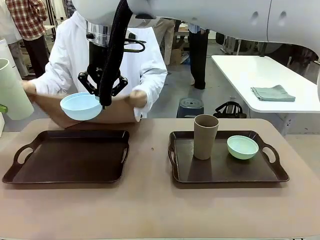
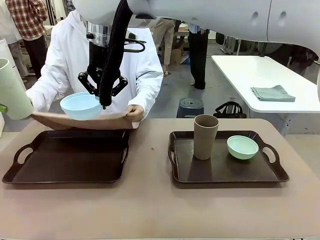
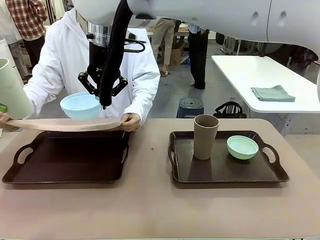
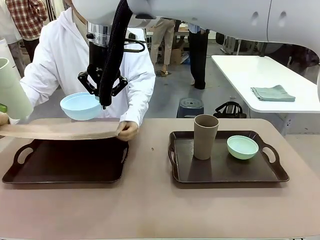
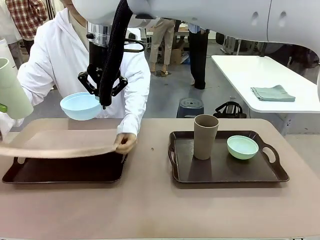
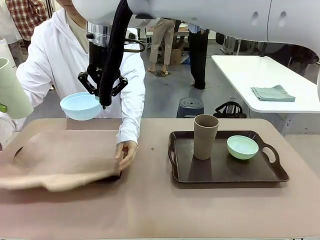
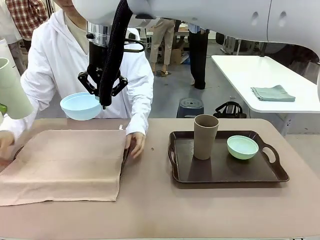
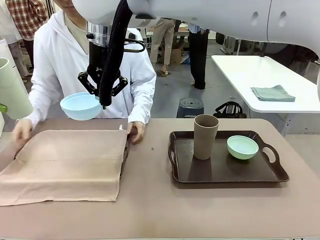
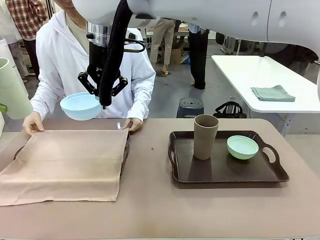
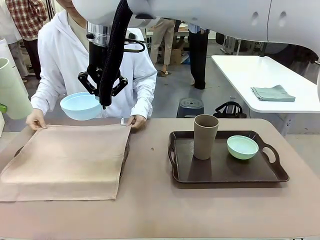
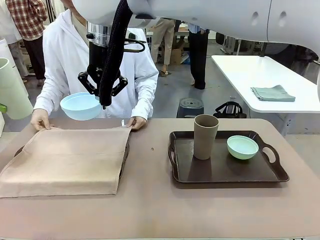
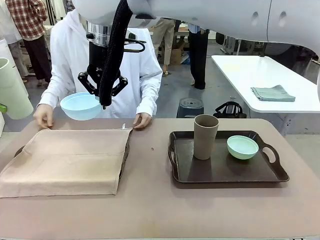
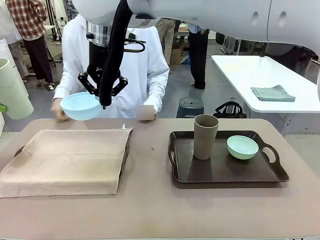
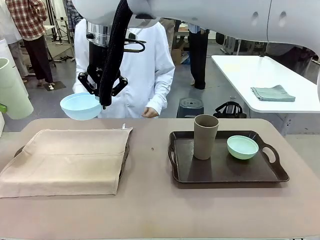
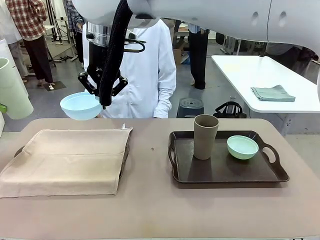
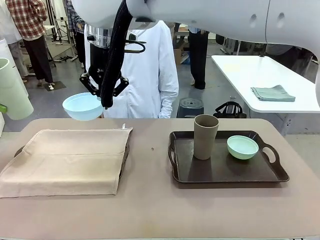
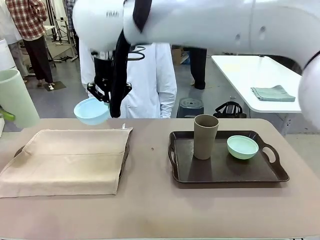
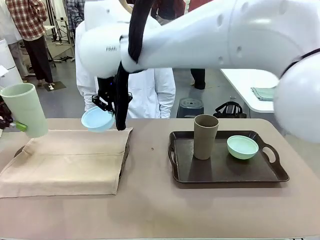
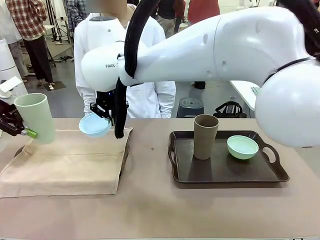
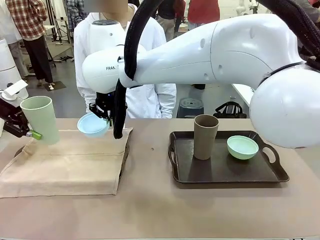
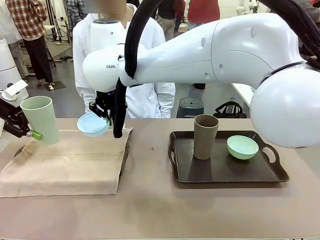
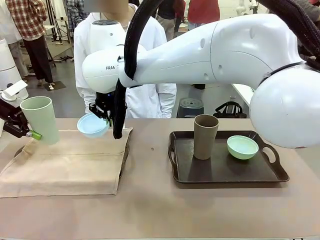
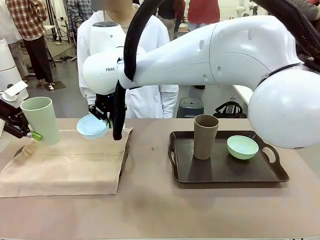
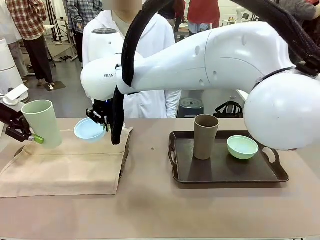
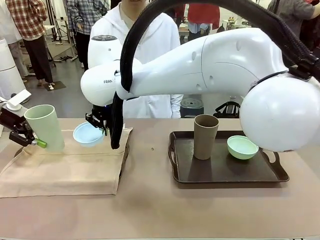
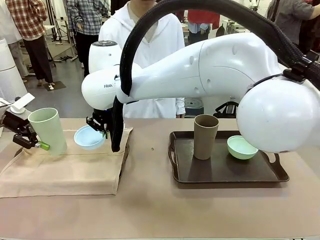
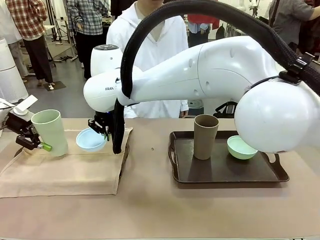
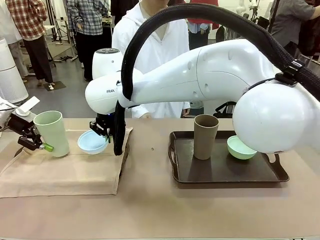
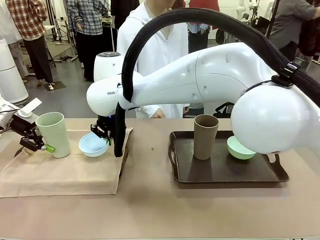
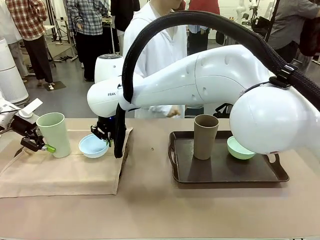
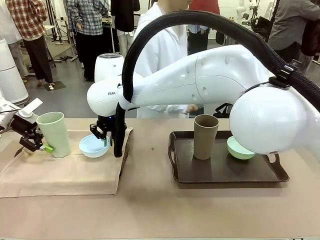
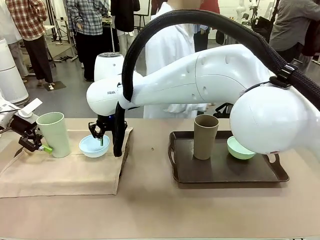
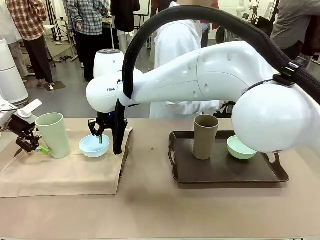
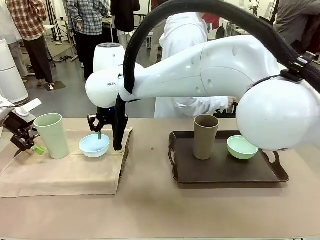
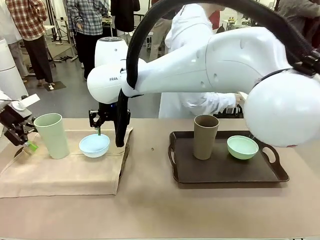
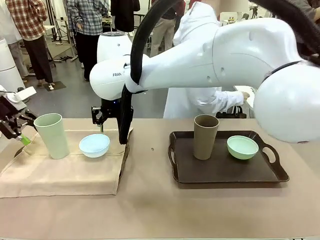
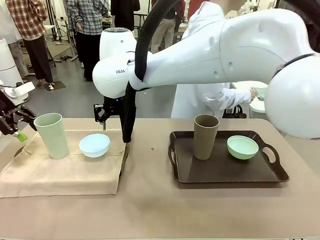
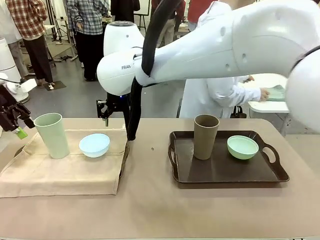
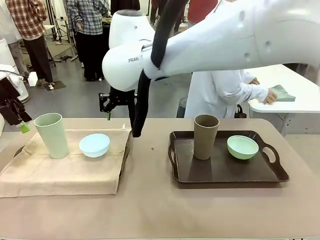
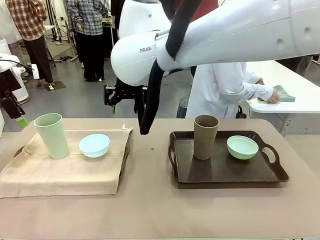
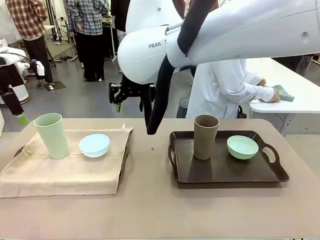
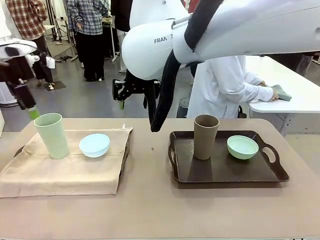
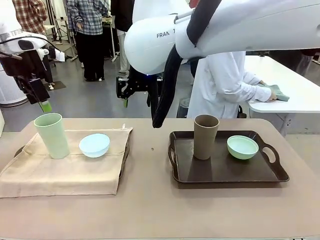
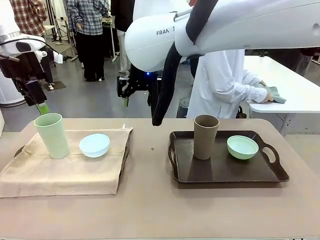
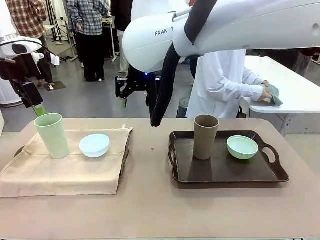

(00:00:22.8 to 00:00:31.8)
Robot: Place the Picnic Bowl and Reusable plastic cup back onto the Handle tray in front of the human's position.
Person: The human returns to the human table to pick up another napkin and walks to the robot table to stand in front of the tray without a napkin.

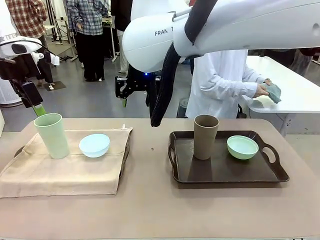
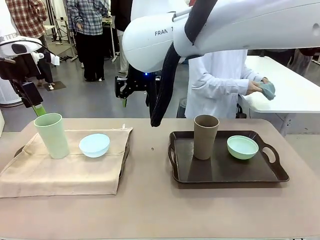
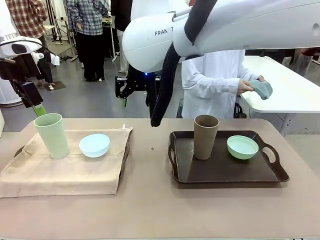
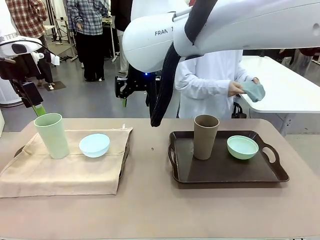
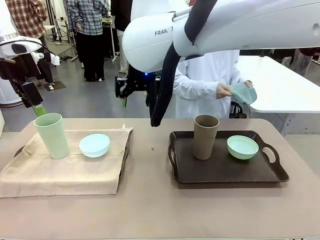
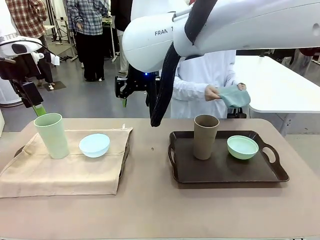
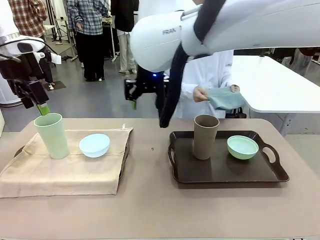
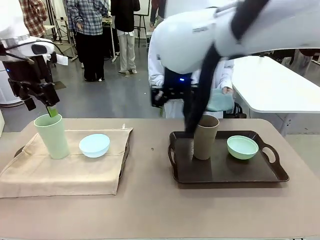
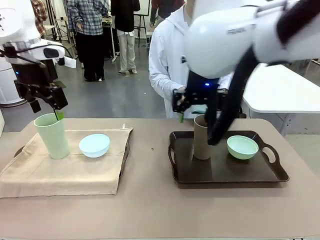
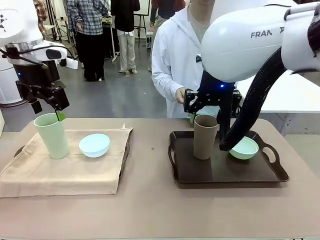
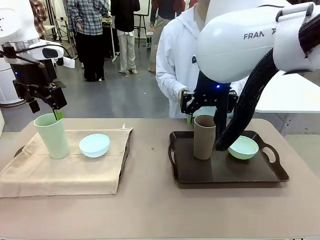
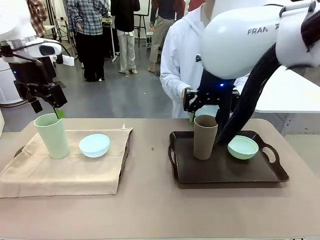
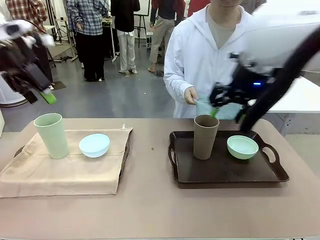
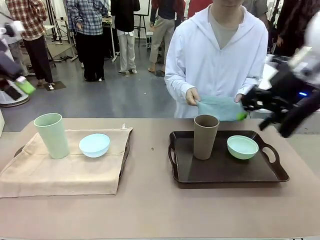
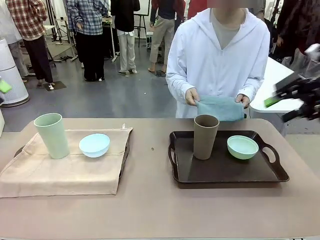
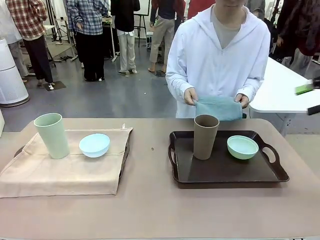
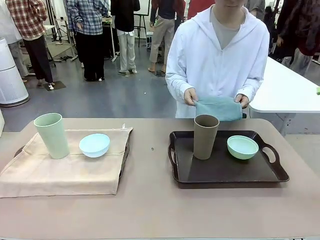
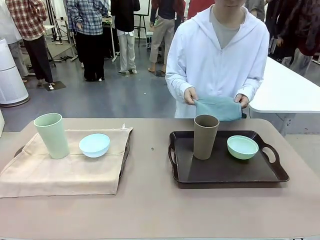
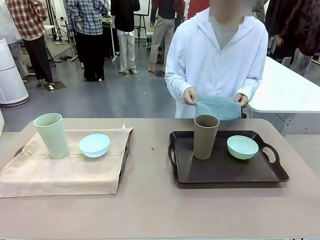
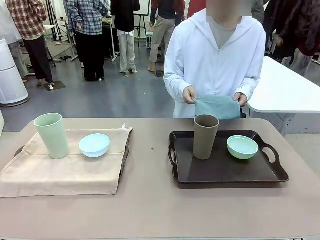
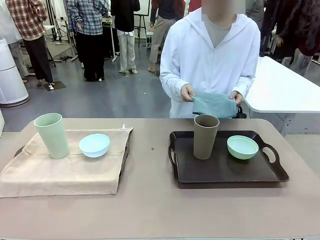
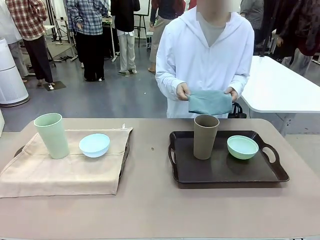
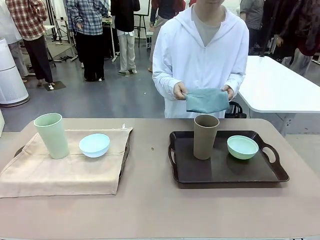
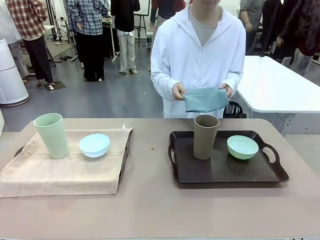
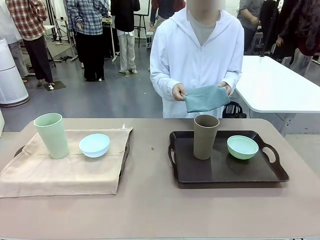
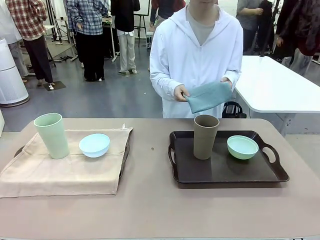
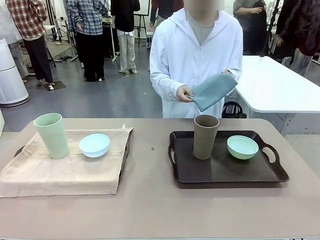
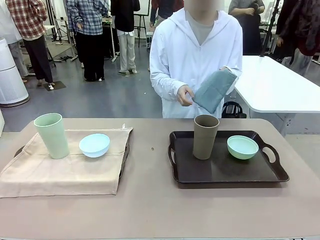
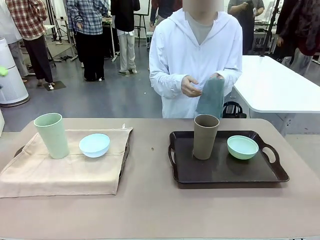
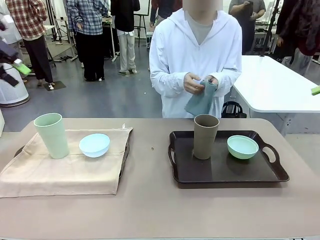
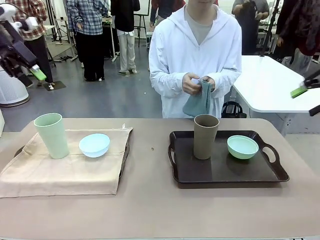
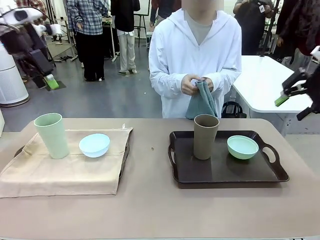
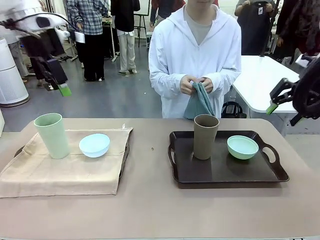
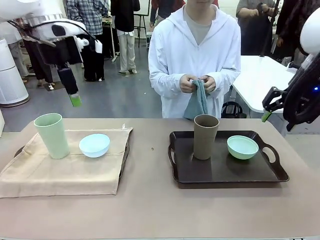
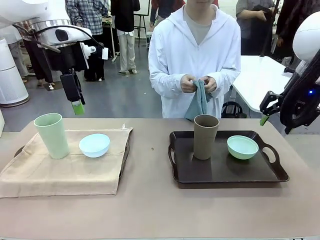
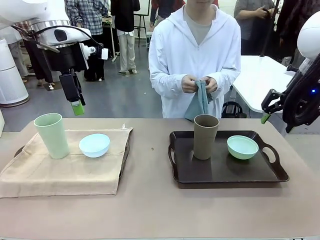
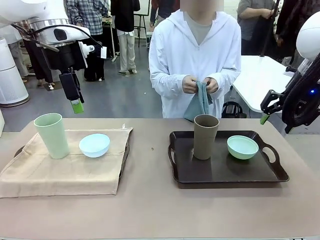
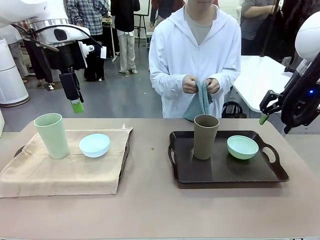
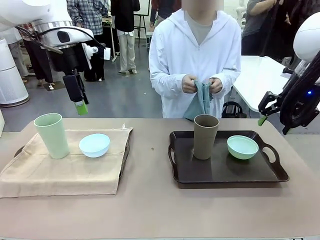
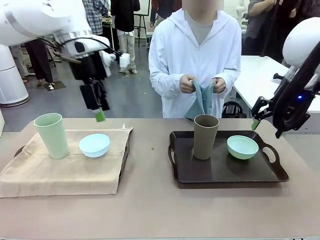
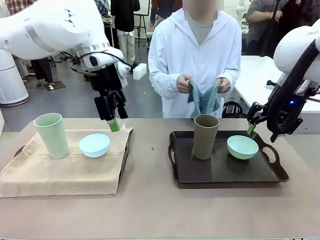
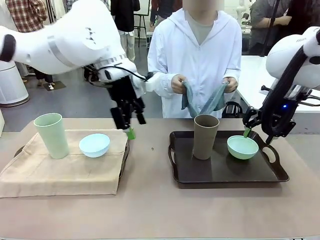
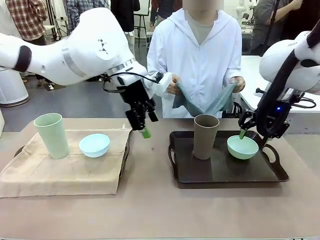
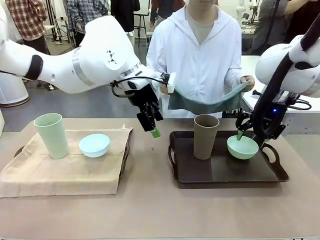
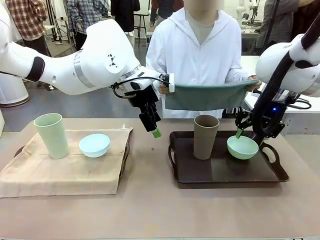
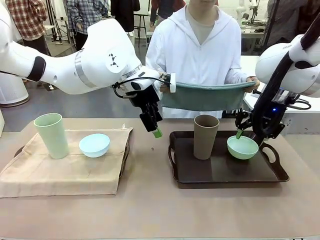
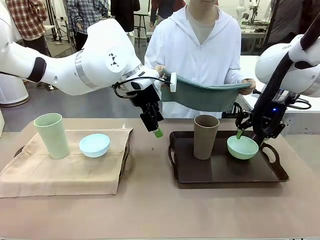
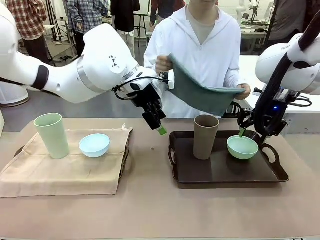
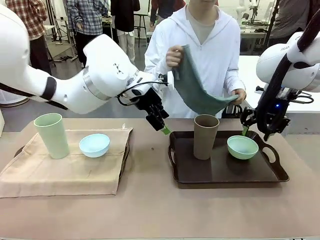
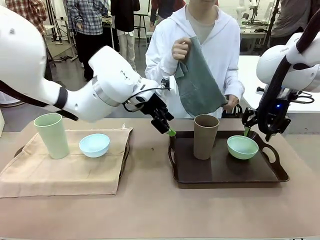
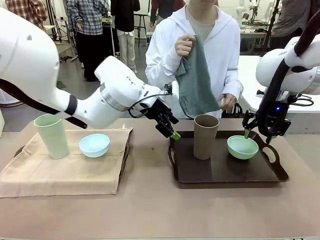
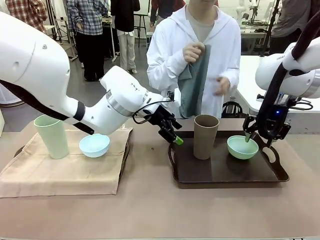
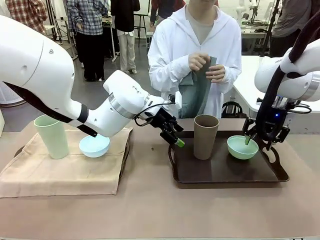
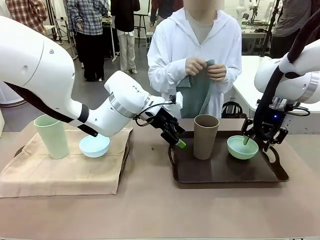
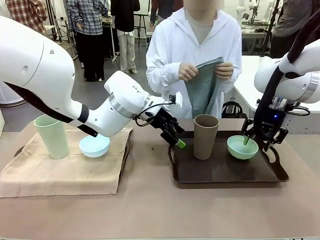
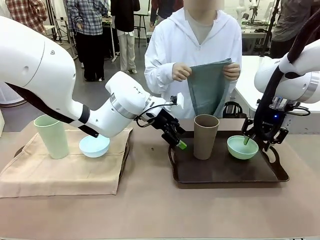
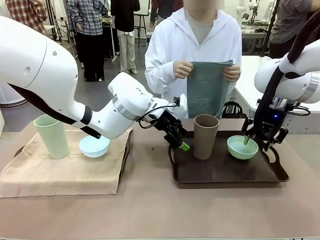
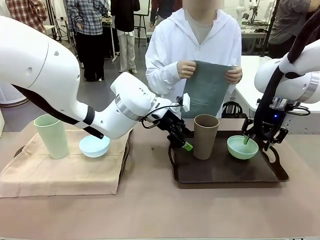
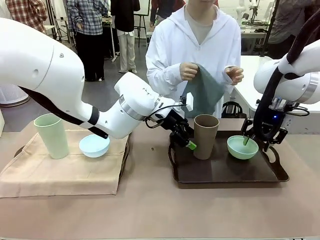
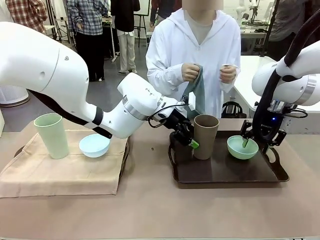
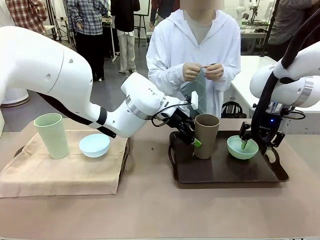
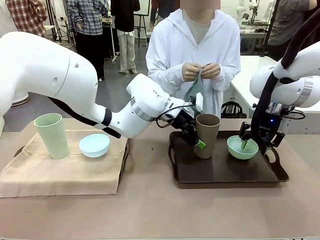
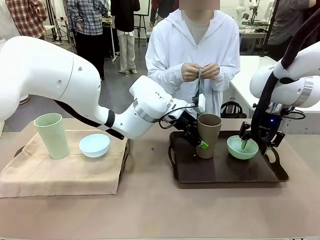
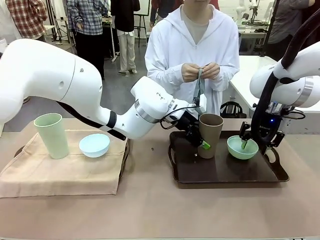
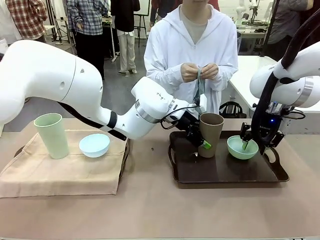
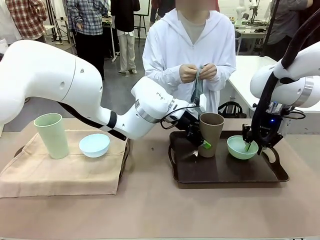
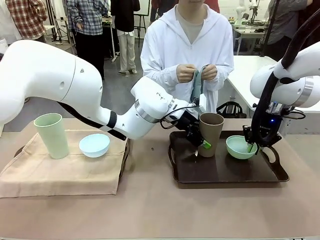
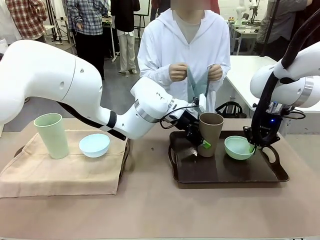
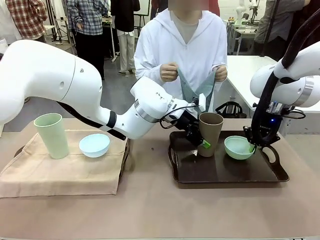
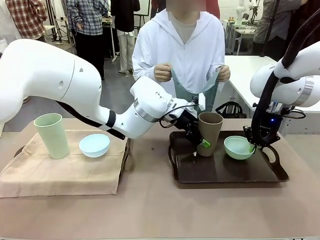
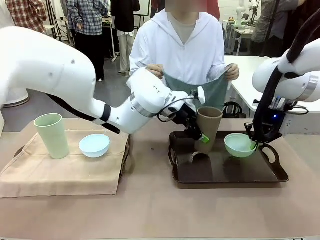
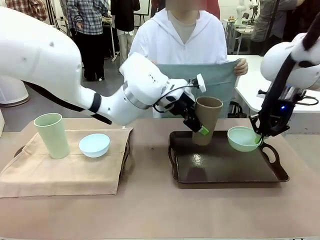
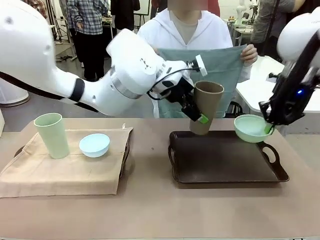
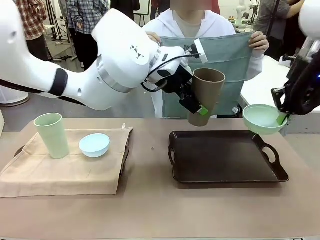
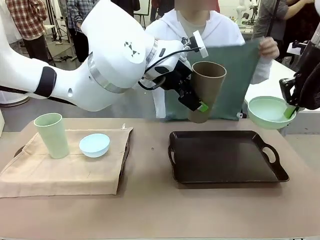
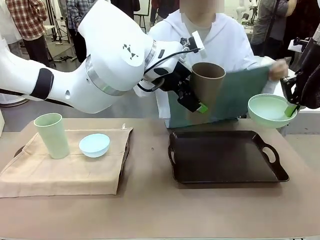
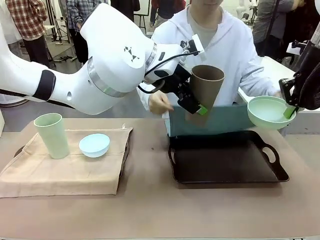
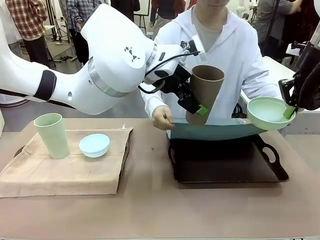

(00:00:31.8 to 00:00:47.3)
Robot: Pick up the Picnic Bowl and Reusable plastic cup from the Handle tray in front of the human's position and hold them in the air.
